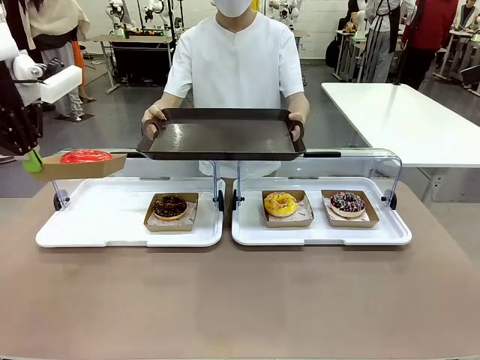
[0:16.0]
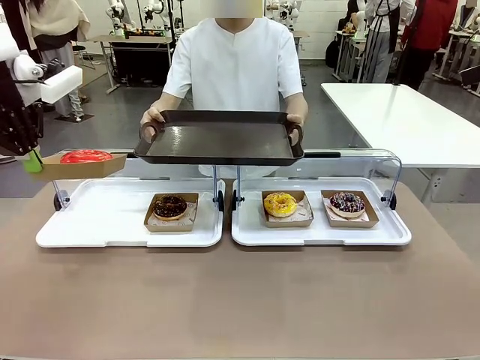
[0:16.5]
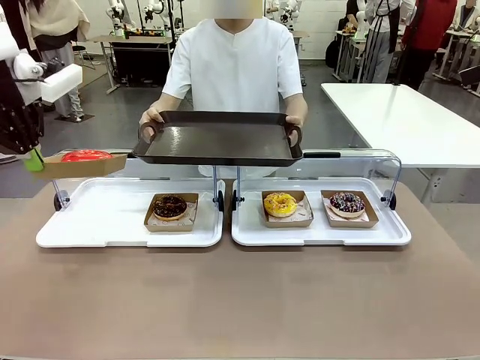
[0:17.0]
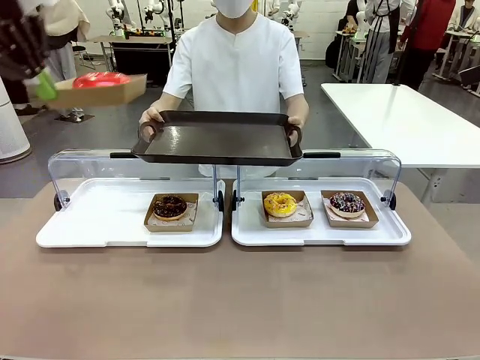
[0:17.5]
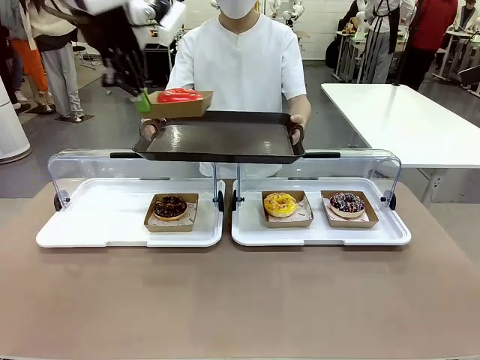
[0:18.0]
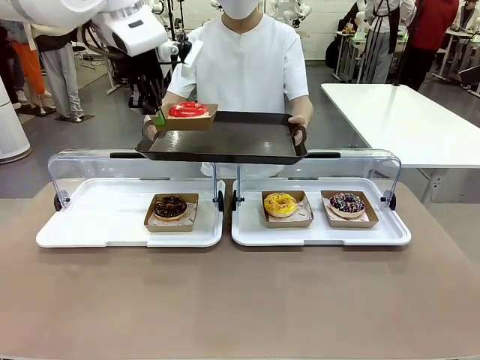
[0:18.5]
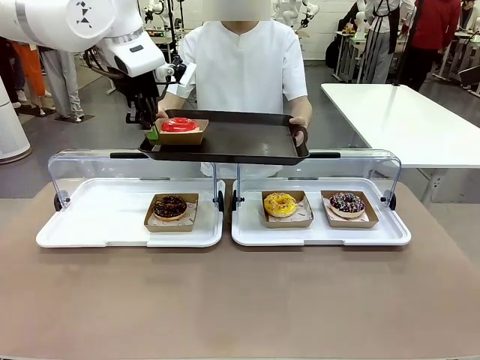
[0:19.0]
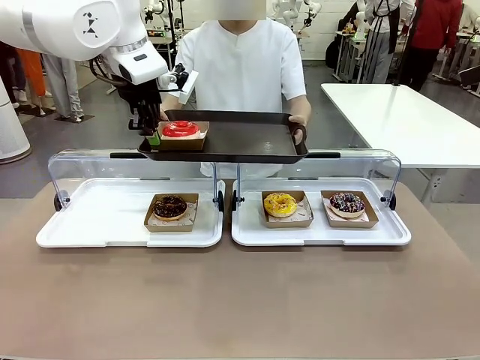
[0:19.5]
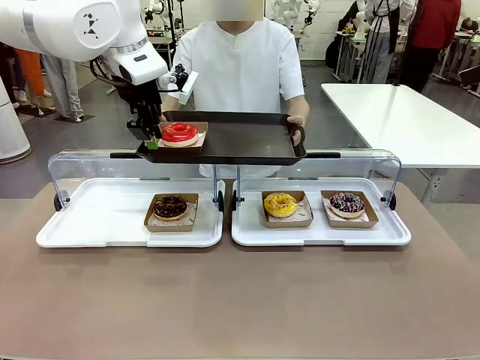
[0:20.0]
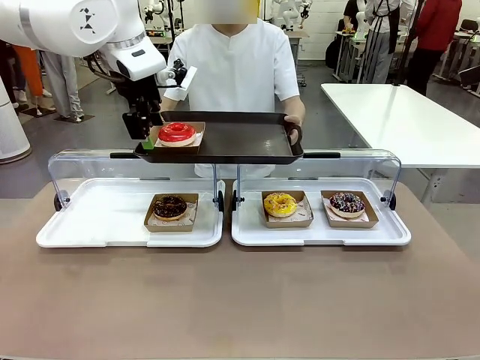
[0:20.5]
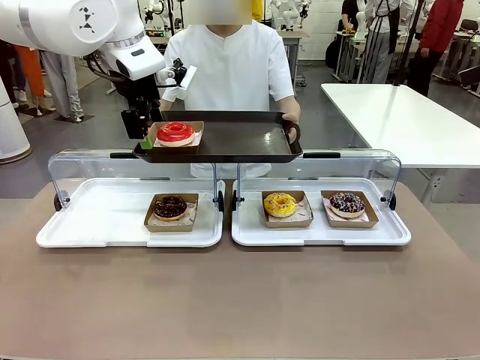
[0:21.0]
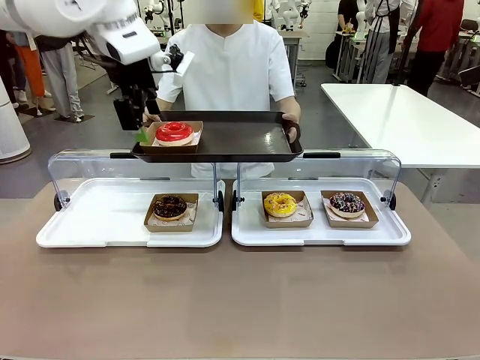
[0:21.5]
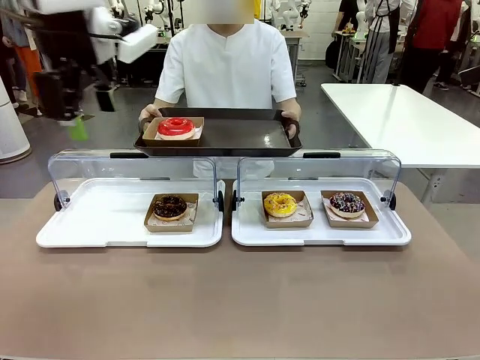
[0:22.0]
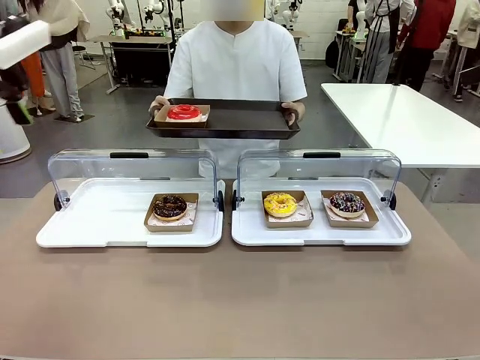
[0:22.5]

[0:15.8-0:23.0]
Task: Provide the desired donut to the person.
Robot: Place the picked Paper togo box onto the Handle tray extended by the person.

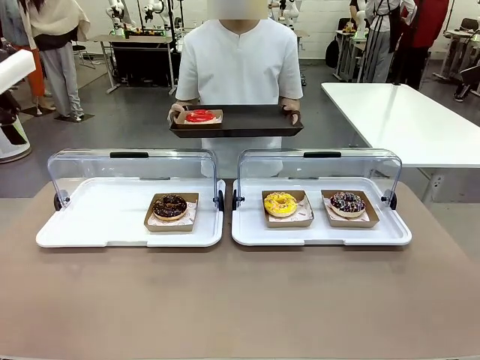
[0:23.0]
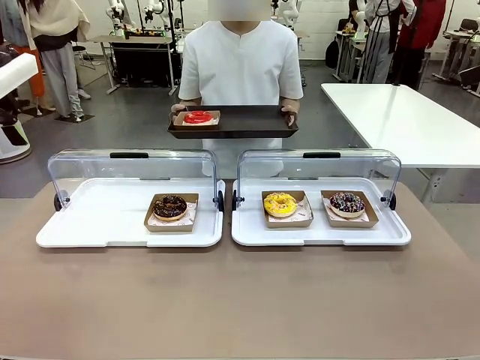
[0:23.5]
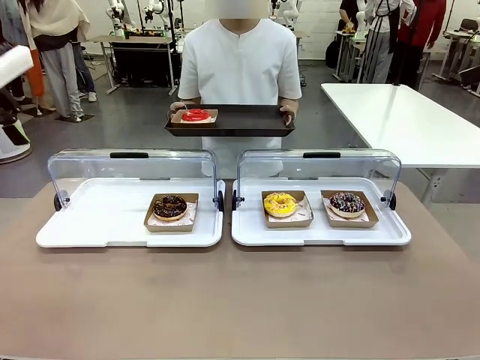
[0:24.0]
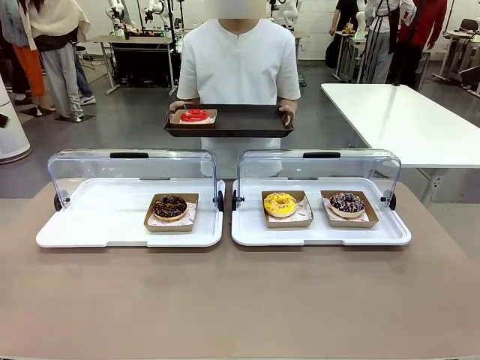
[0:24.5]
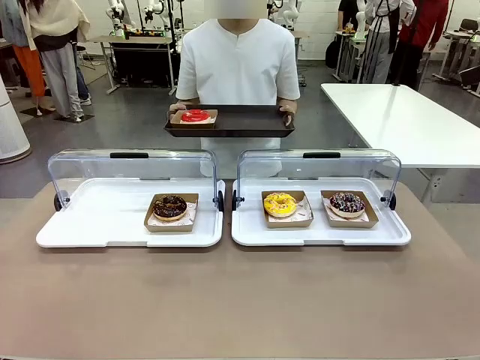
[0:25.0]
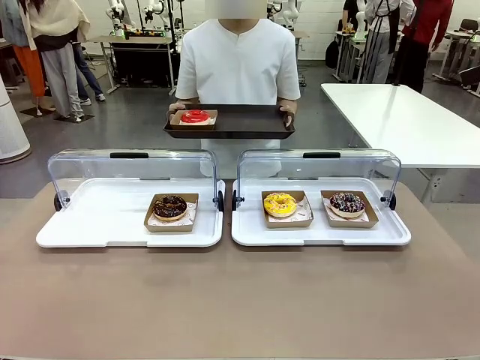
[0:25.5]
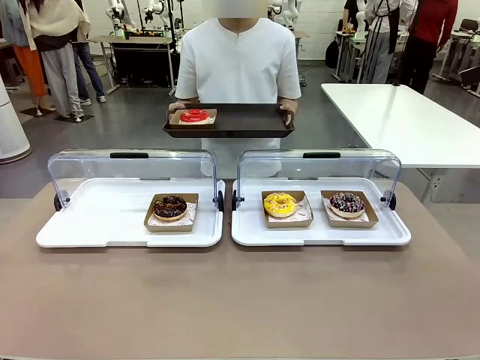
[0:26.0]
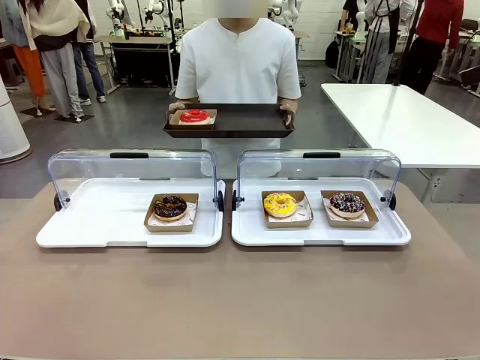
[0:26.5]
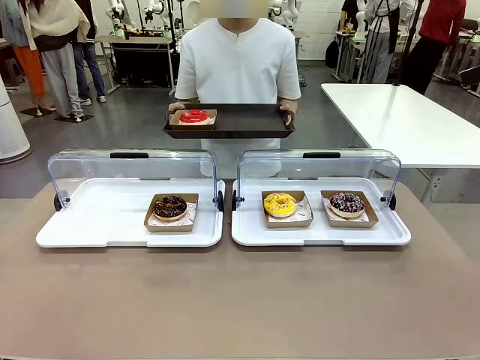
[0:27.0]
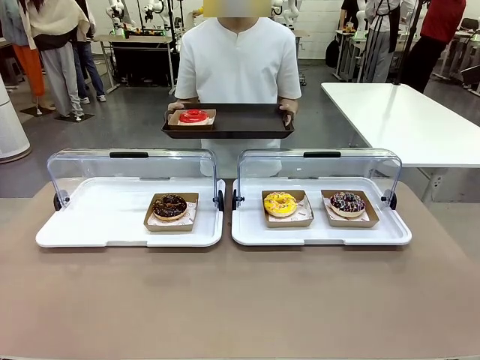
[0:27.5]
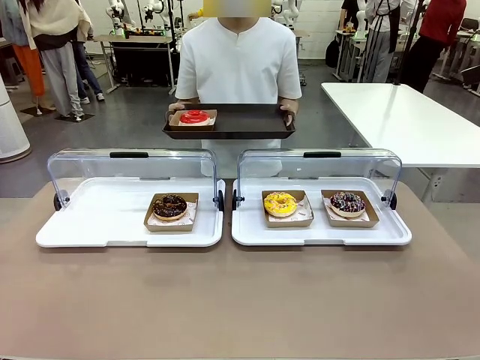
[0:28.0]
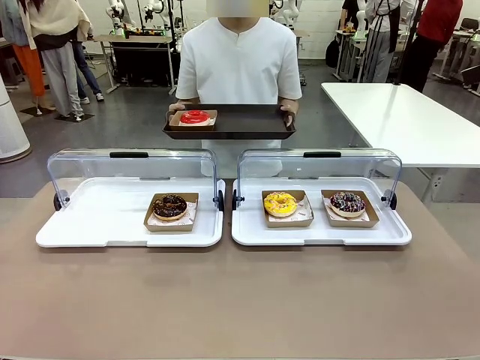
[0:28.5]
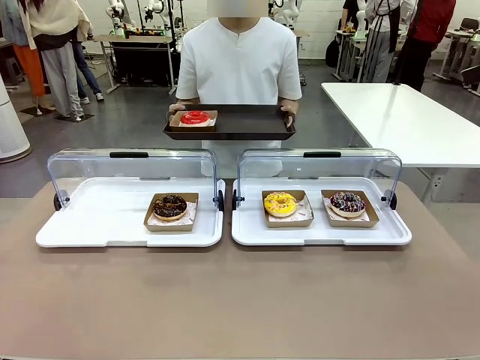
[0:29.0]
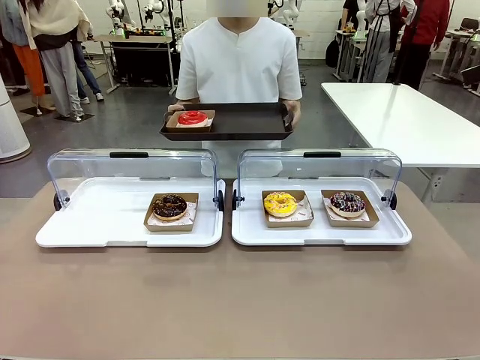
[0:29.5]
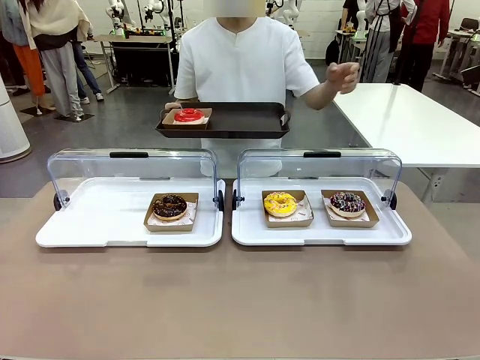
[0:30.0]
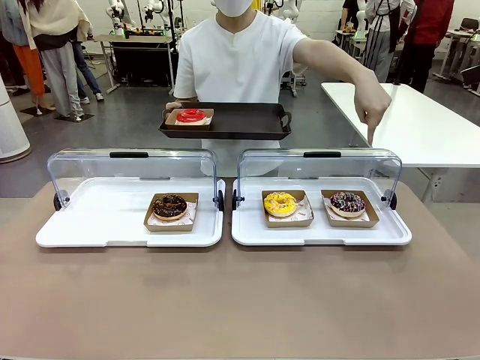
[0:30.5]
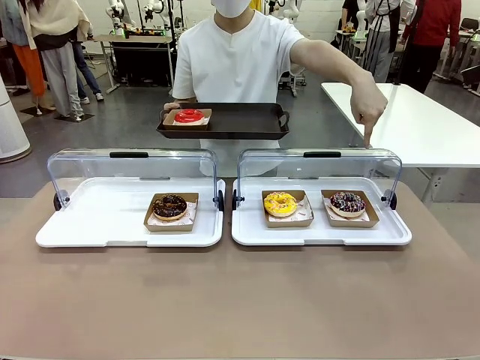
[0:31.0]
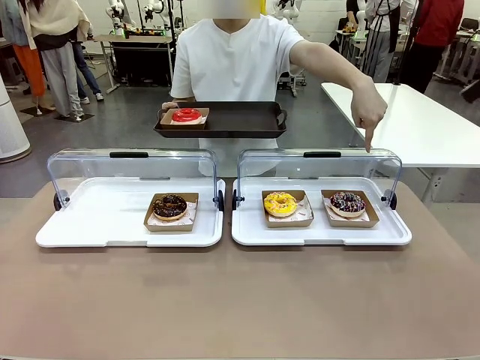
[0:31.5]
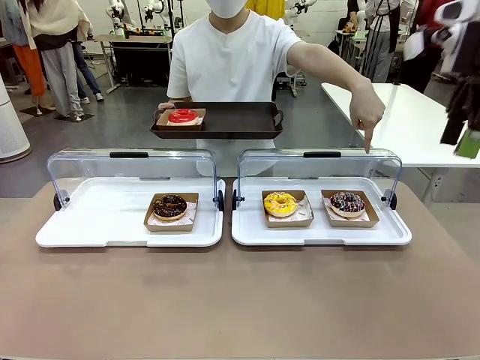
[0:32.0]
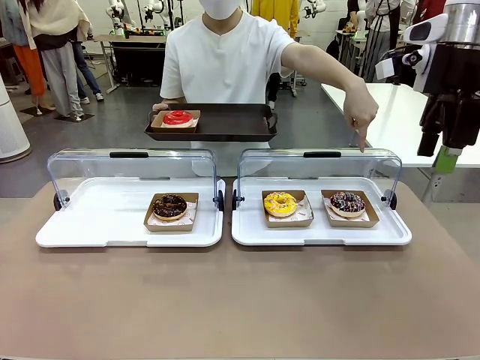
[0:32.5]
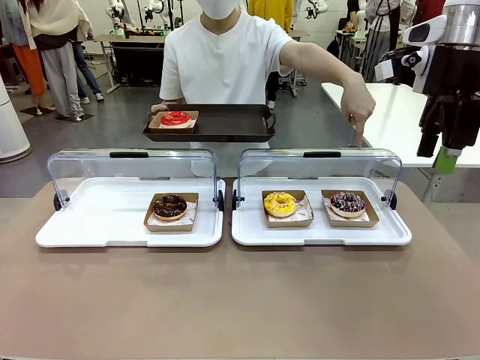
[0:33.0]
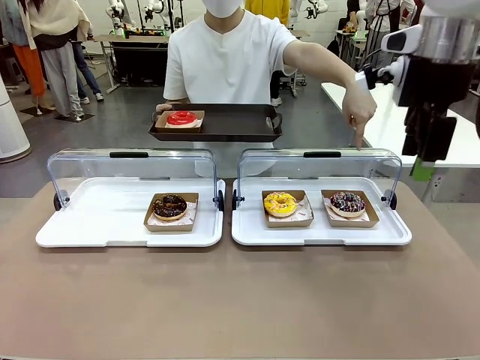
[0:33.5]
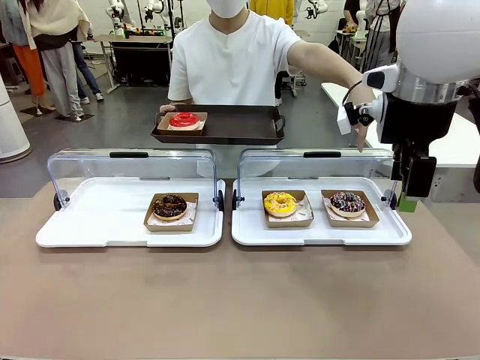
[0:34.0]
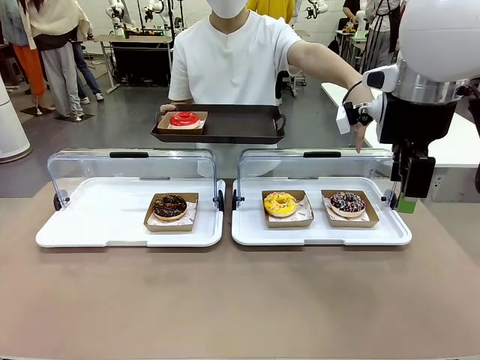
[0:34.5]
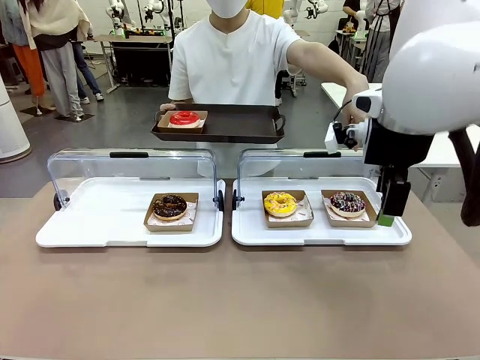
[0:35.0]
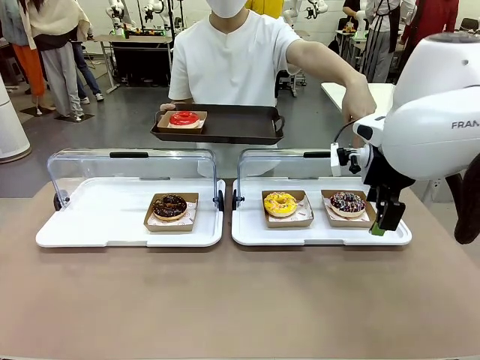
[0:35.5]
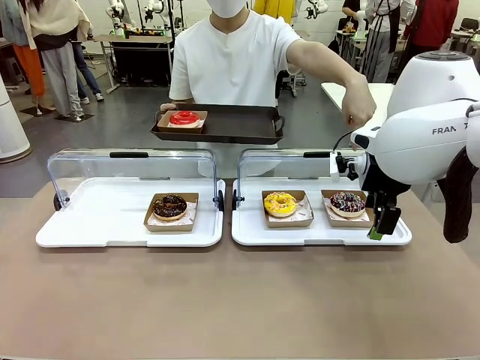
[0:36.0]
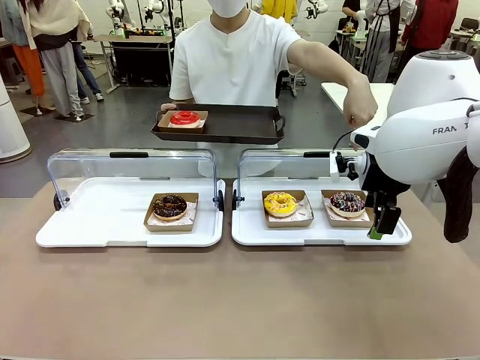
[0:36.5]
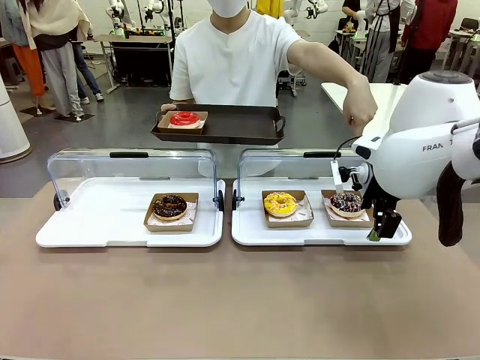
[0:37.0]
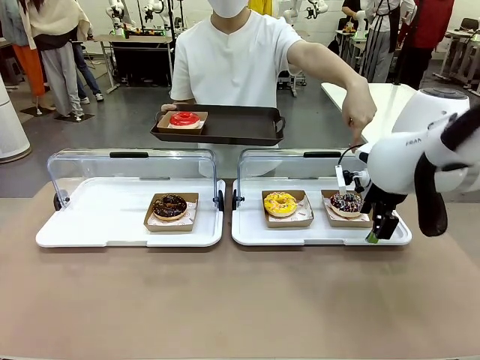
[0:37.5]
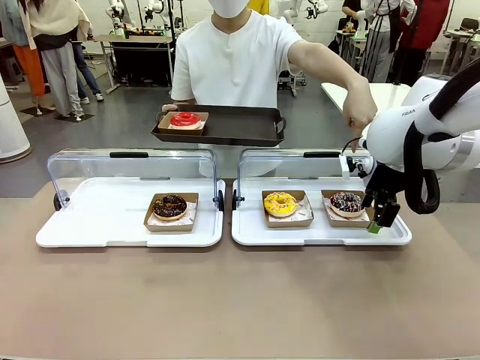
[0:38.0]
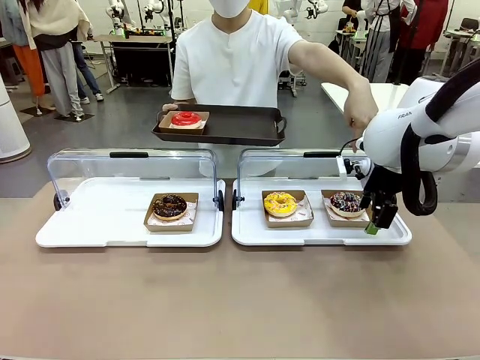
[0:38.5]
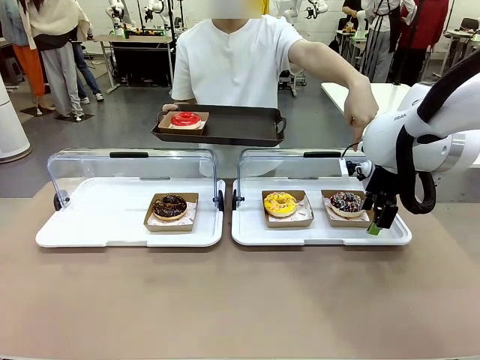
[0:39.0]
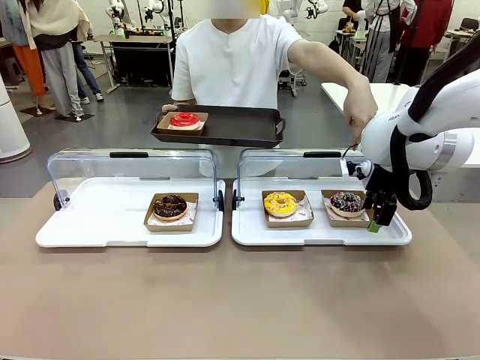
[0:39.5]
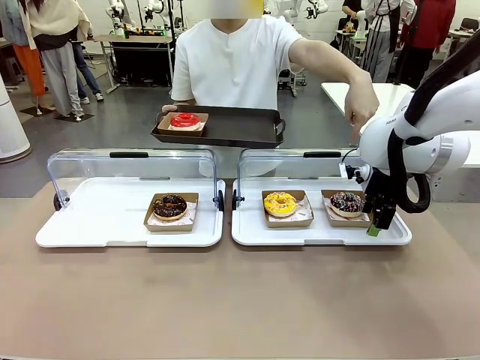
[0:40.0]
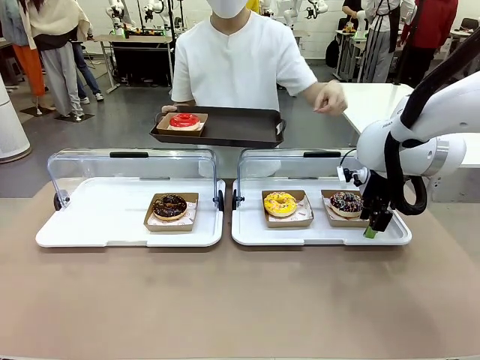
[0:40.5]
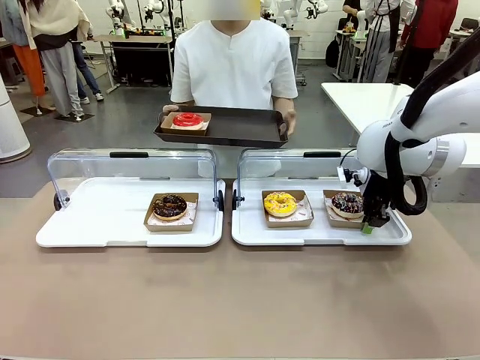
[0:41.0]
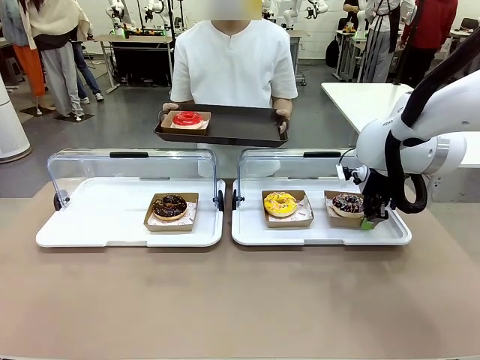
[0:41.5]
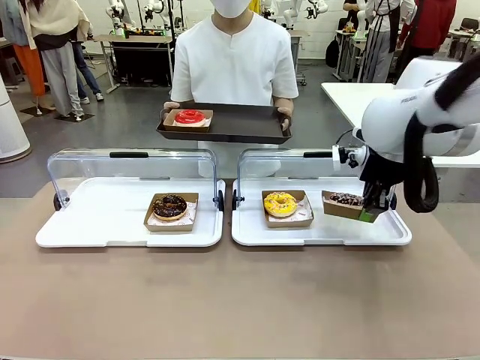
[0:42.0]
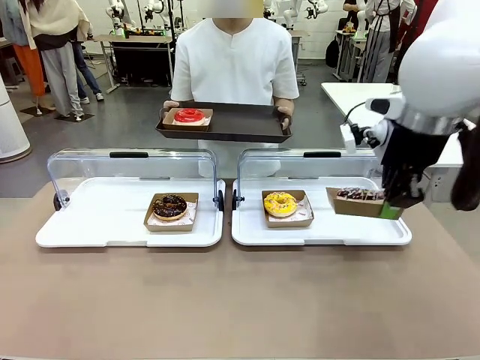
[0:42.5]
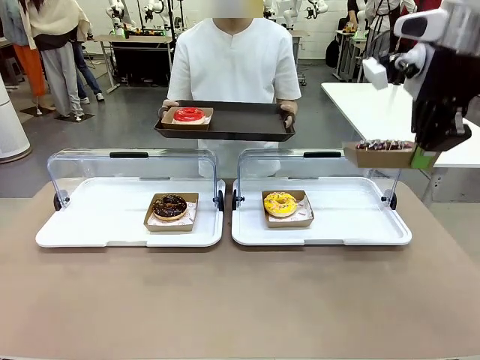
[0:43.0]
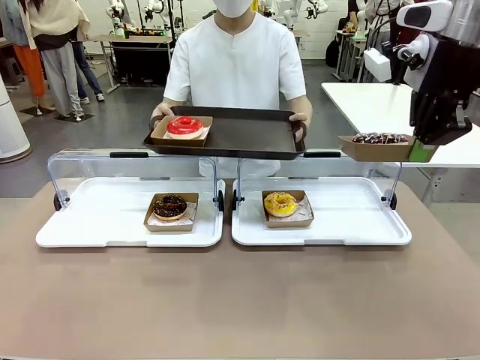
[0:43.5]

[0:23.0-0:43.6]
Robot: Pick up and lift the Paper togo box containing the Donut pointed at by the person.
Person: Point to one donut. Lift the tray onto the Roll-Top Bakery Case.
